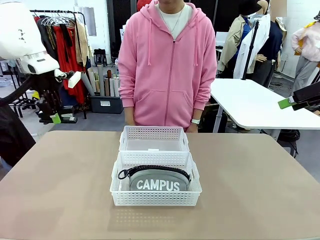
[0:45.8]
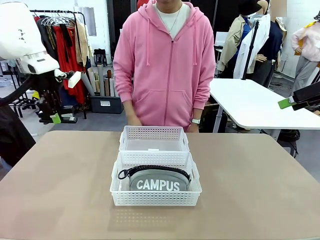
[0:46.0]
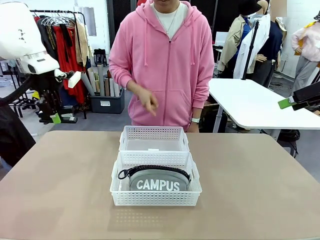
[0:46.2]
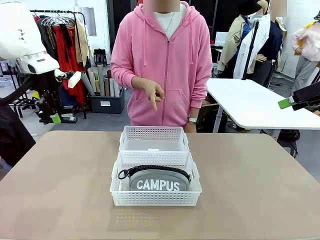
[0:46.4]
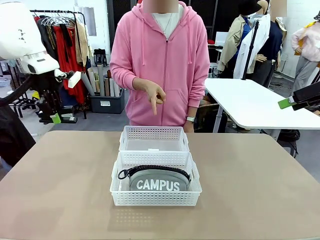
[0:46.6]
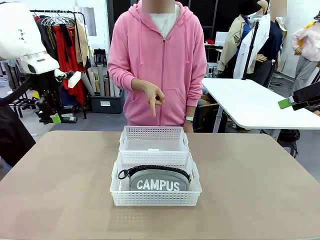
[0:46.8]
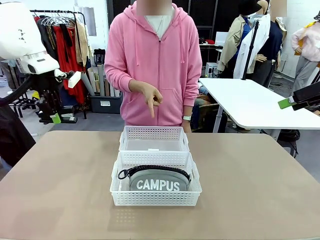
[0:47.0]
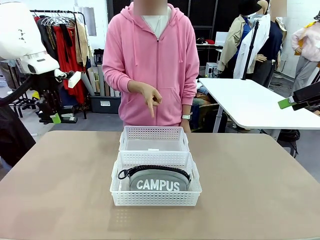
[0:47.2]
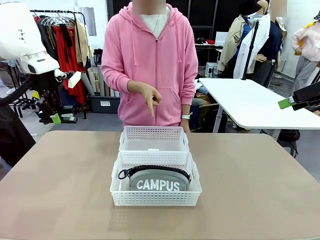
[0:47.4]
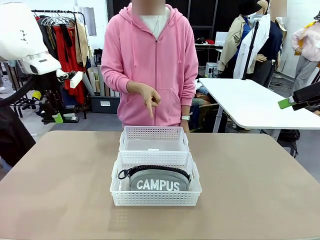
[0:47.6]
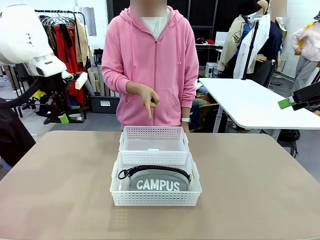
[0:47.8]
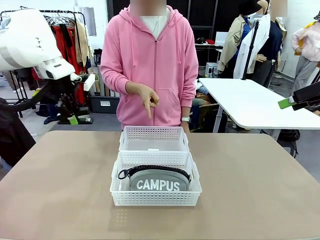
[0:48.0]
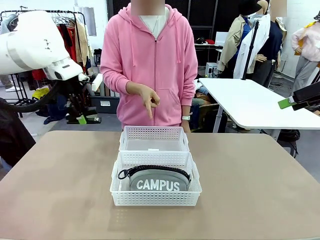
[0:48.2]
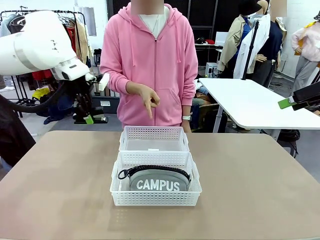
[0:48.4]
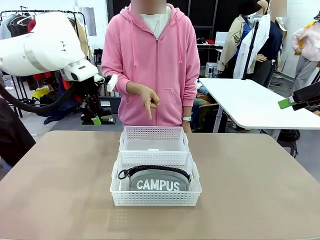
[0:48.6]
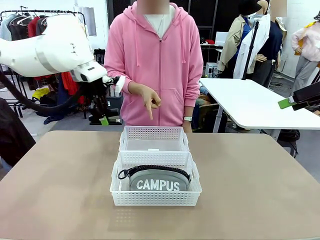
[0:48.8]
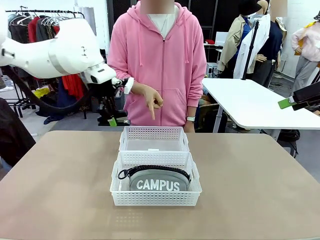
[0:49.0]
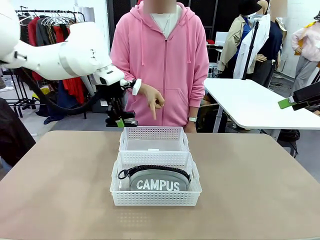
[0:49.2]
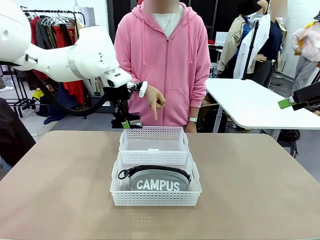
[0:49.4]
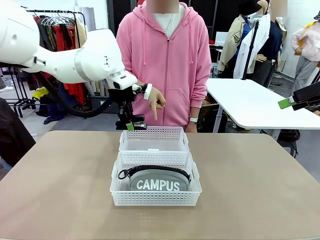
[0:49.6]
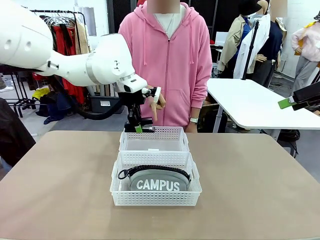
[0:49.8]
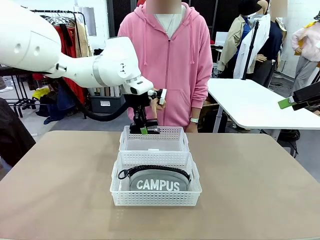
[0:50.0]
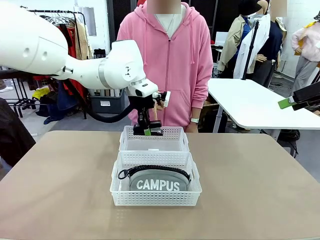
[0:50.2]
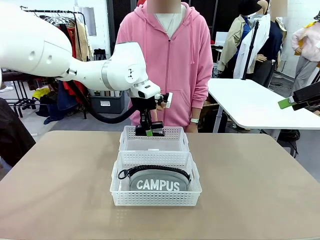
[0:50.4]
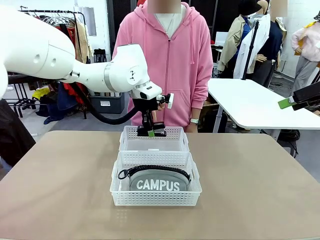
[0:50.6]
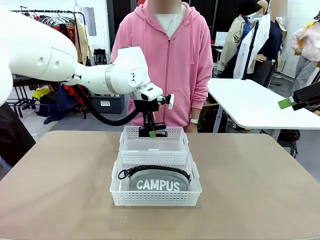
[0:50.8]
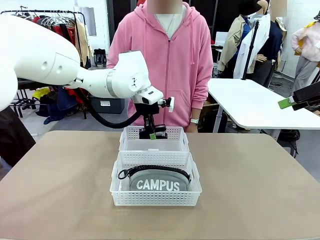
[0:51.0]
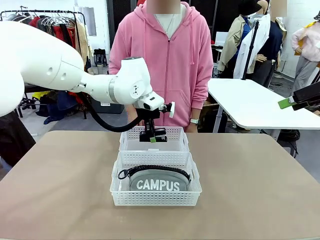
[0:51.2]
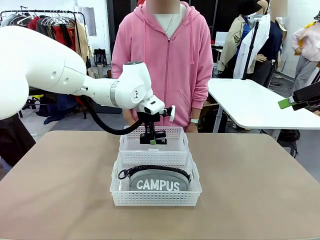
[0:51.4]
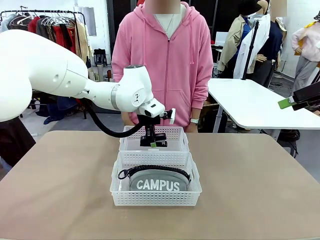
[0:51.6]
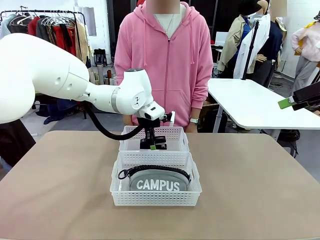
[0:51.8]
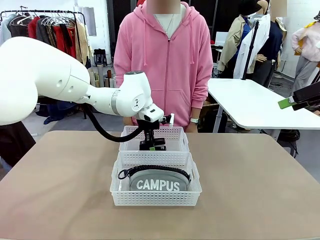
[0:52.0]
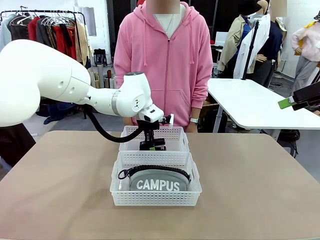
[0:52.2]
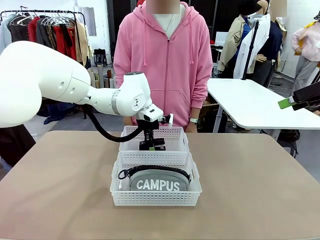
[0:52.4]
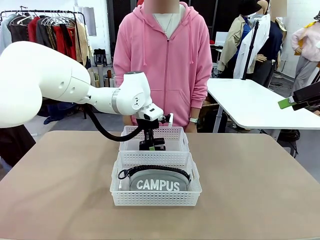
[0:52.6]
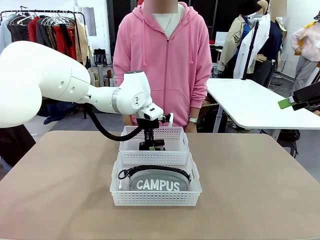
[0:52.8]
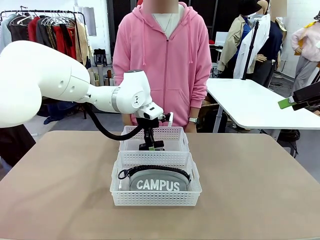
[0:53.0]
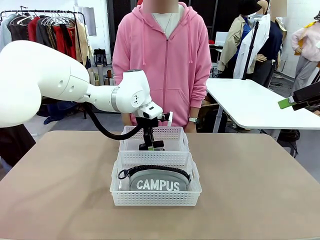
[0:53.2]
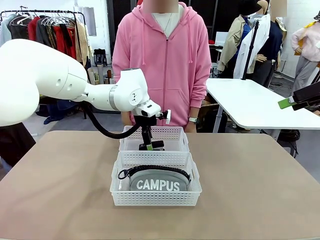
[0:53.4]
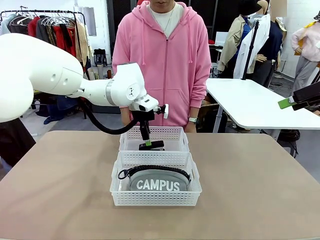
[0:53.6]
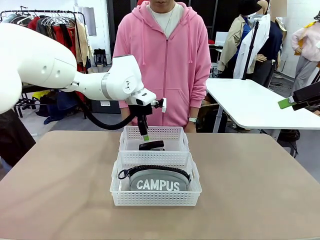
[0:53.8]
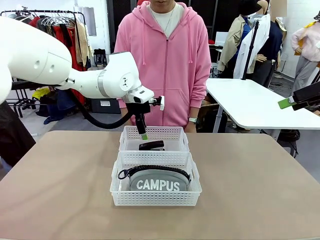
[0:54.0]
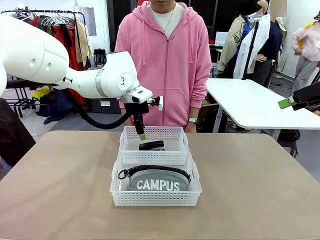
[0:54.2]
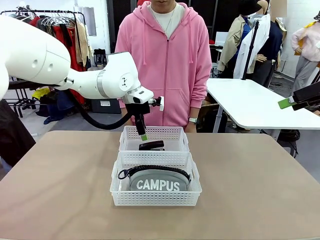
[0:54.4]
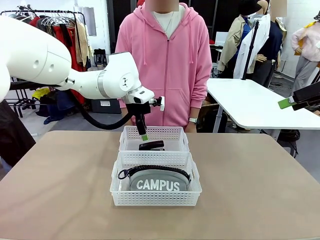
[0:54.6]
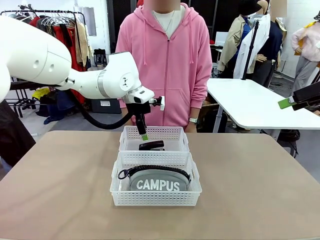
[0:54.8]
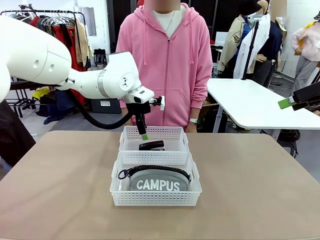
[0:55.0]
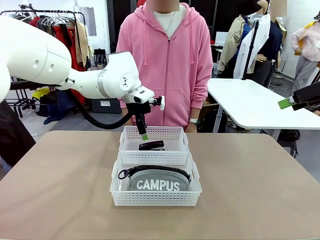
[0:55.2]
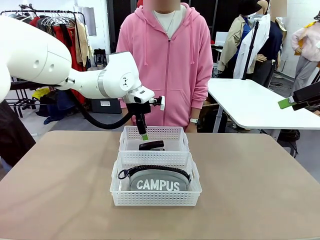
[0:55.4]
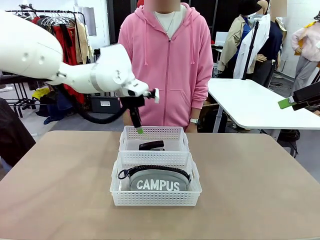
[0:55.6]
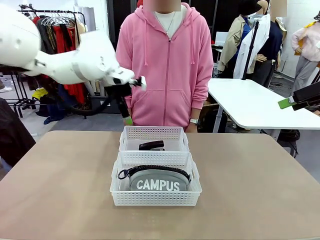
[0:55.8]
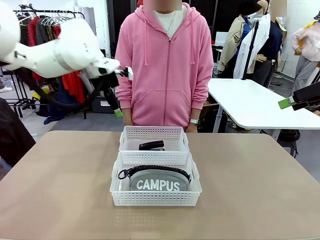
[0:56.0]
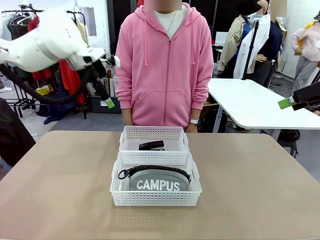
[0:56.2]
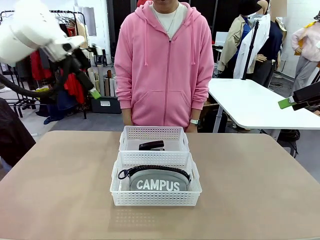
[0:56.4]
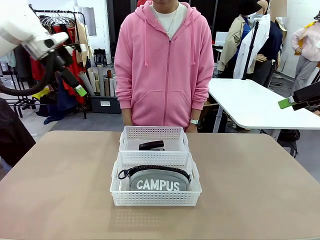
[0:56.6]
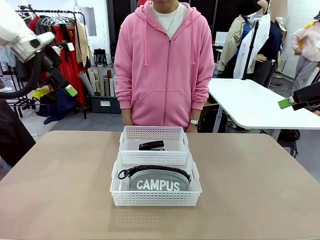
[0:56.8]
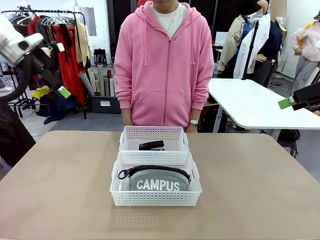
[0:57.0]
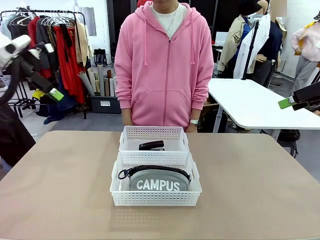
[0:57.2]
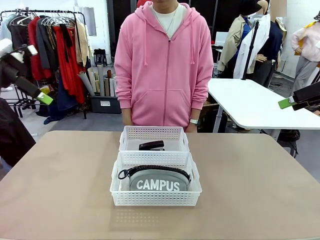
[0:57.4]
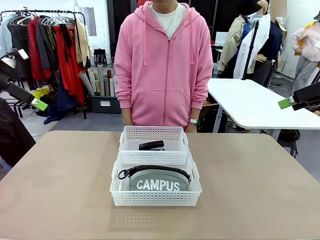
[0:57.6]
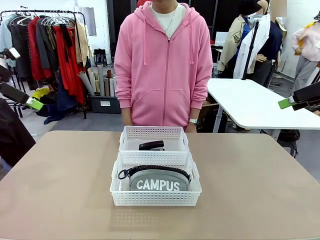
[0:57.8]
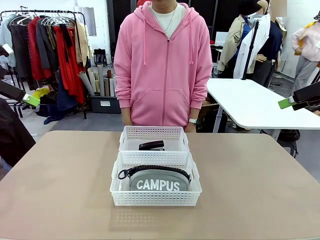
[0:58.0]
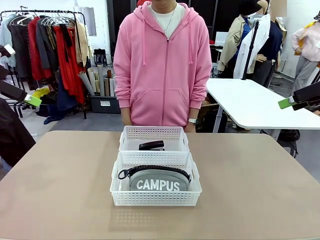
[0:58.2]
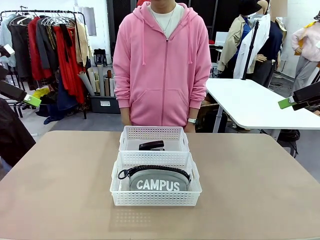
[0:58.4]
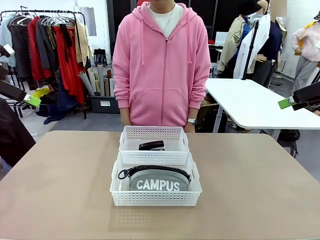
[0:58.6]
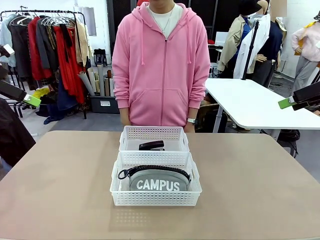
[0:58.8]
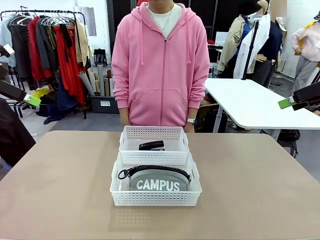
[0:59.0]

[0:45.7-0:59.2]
Task: Distribute items into two baskets.
Robot: Place the picked Stapler into the Organizing basket as instructed by the person.
Person: Points to the basket that does not contain the pencil case and instructs the robot to move the stapler there.
